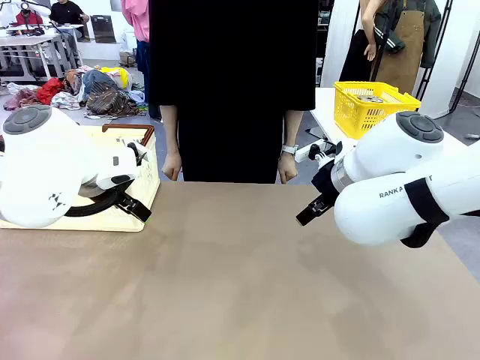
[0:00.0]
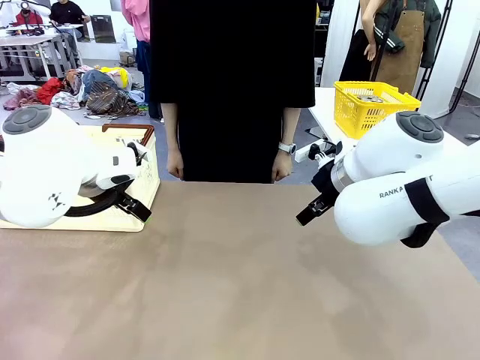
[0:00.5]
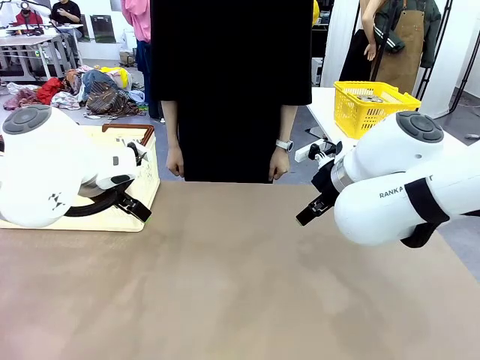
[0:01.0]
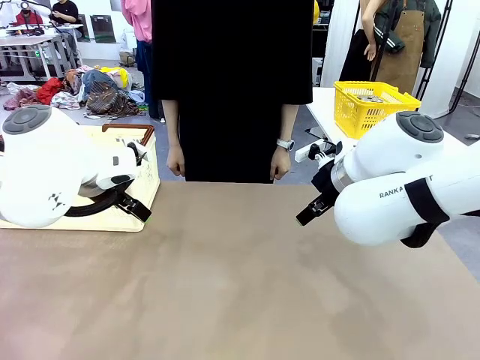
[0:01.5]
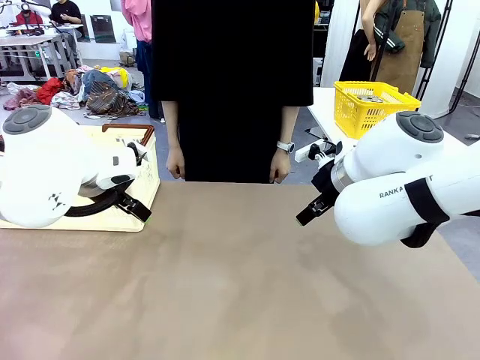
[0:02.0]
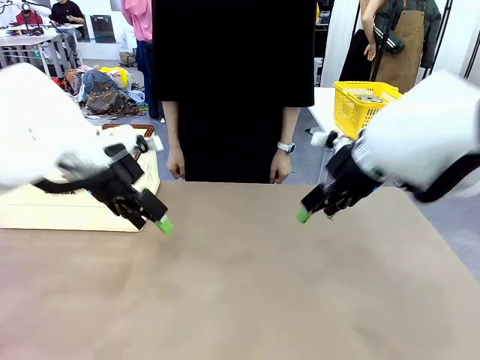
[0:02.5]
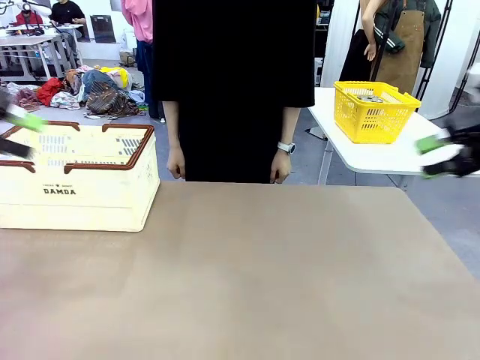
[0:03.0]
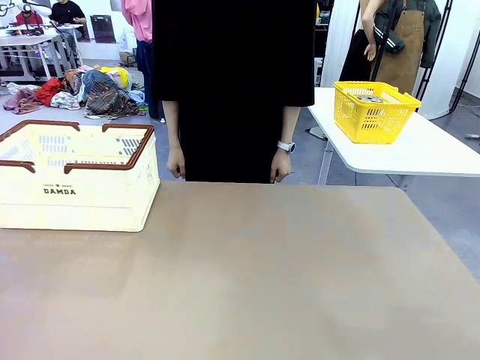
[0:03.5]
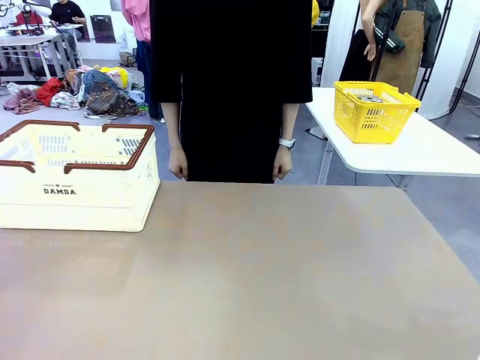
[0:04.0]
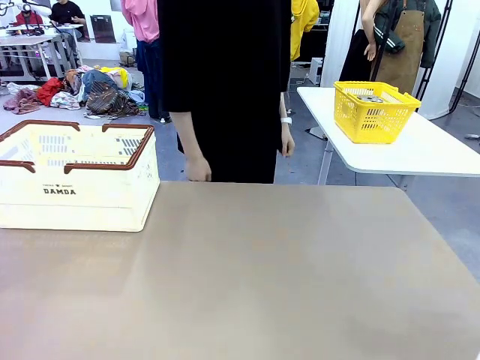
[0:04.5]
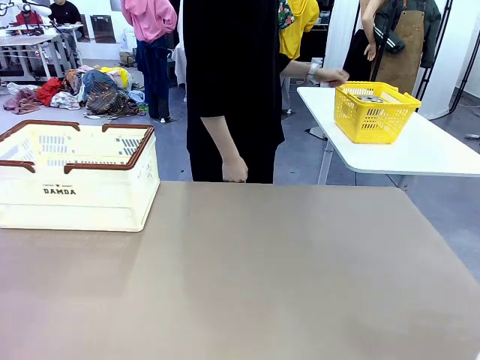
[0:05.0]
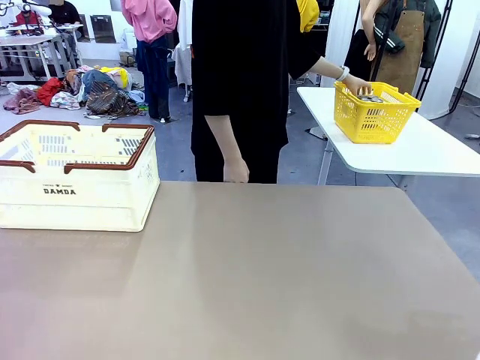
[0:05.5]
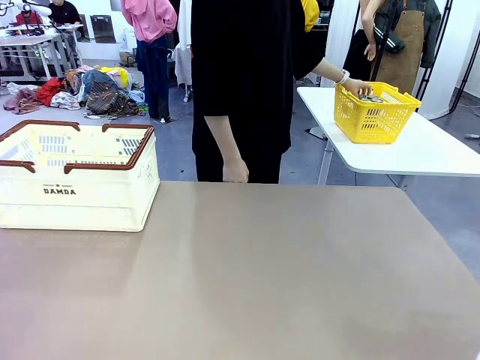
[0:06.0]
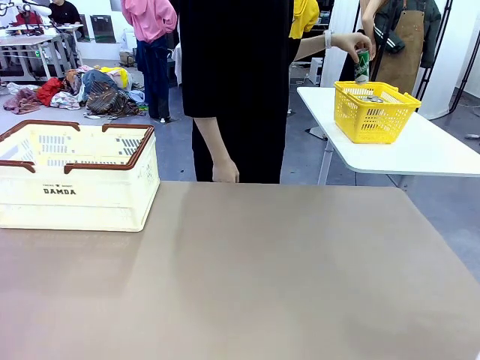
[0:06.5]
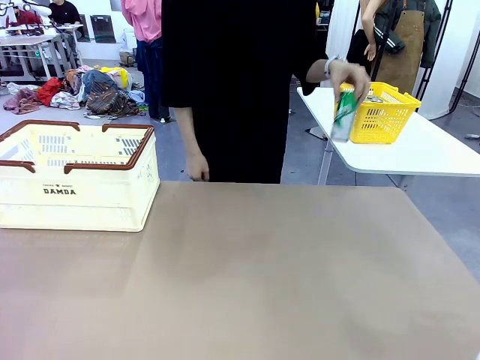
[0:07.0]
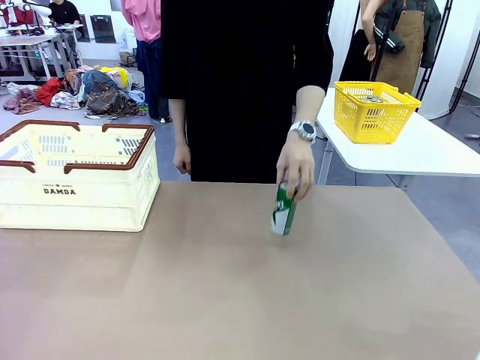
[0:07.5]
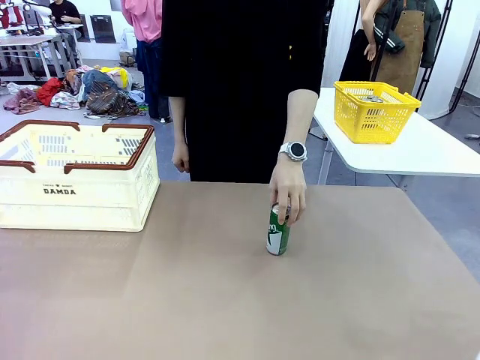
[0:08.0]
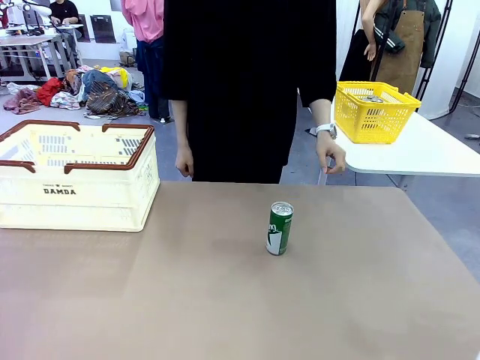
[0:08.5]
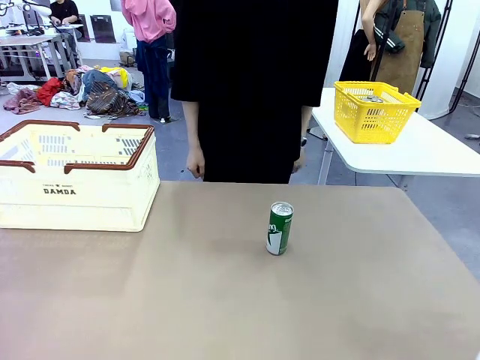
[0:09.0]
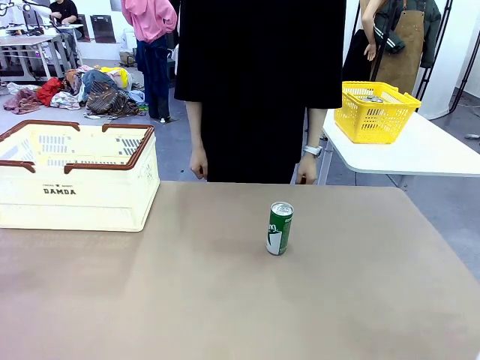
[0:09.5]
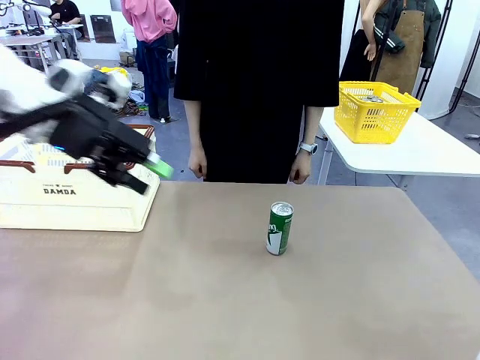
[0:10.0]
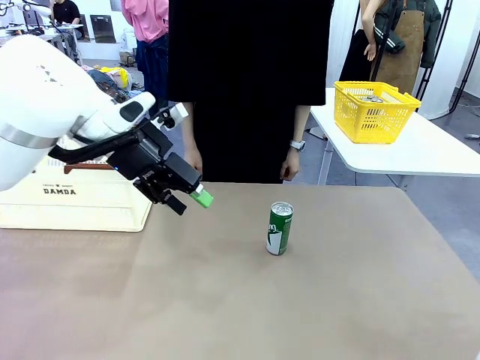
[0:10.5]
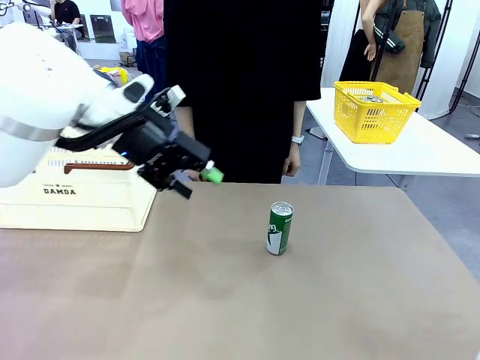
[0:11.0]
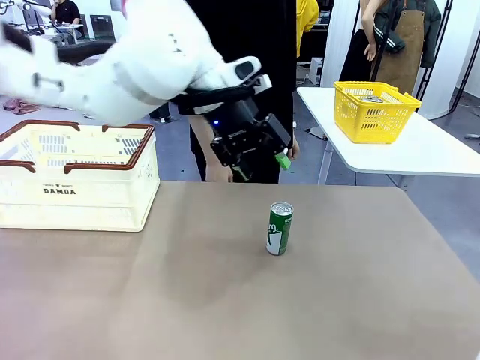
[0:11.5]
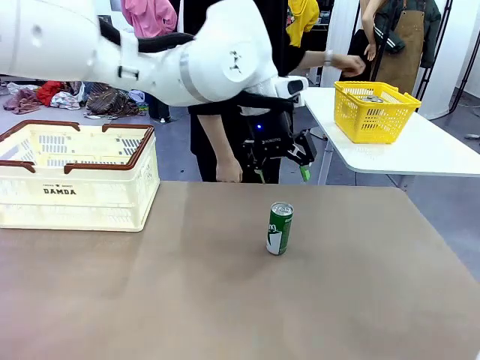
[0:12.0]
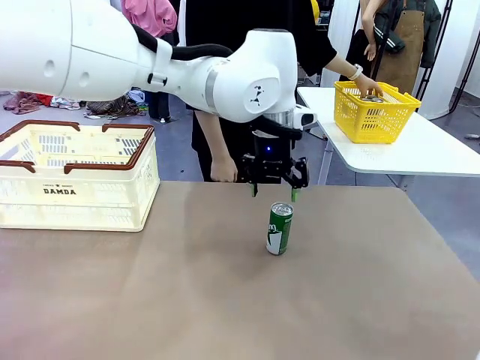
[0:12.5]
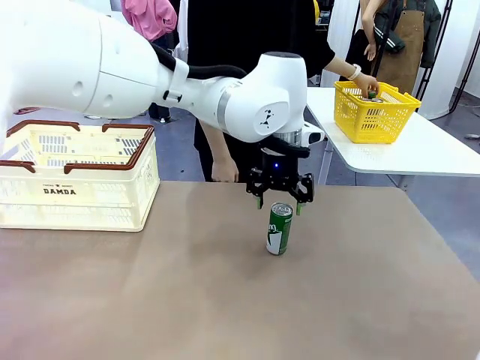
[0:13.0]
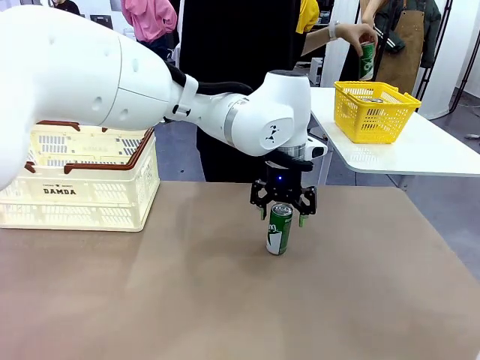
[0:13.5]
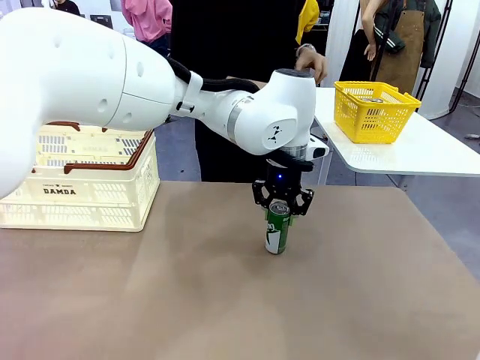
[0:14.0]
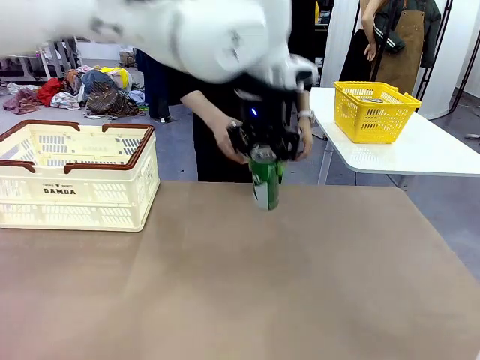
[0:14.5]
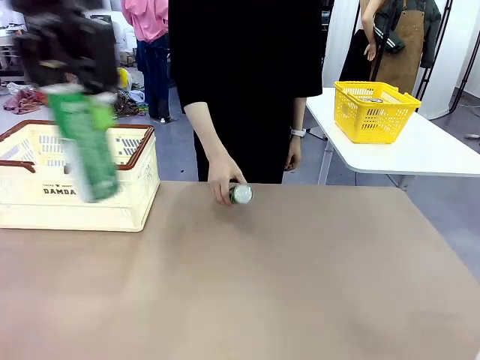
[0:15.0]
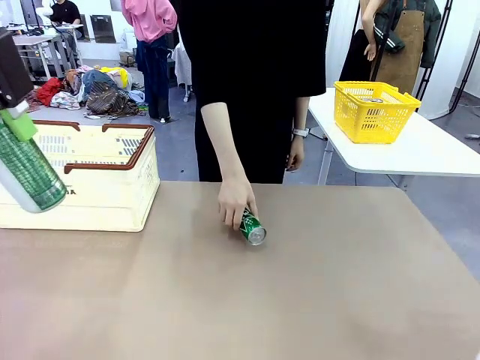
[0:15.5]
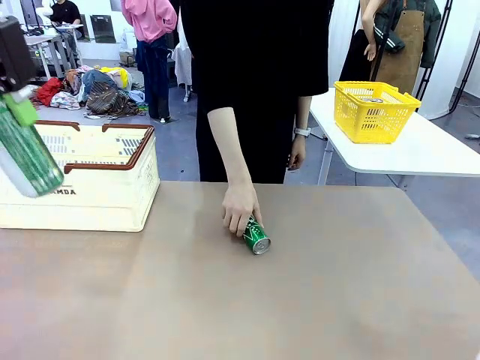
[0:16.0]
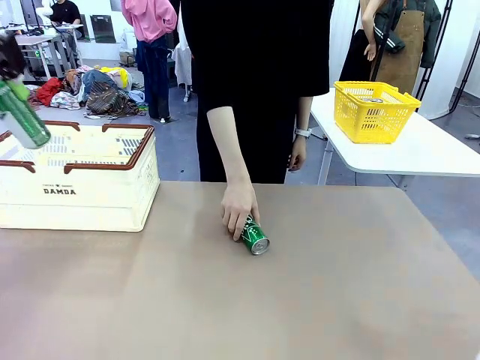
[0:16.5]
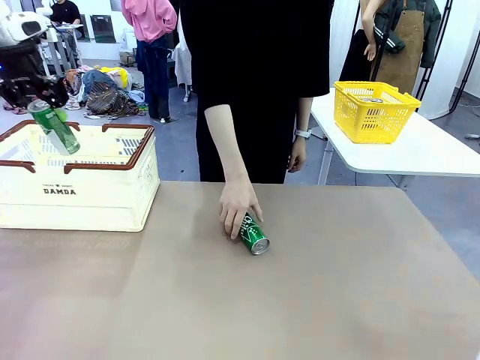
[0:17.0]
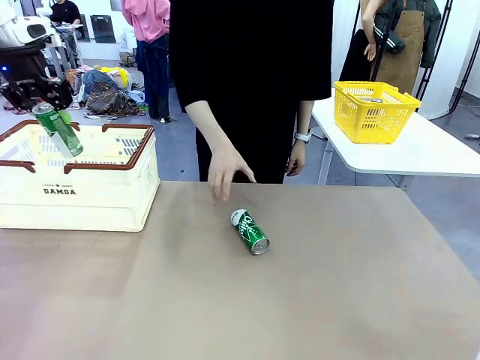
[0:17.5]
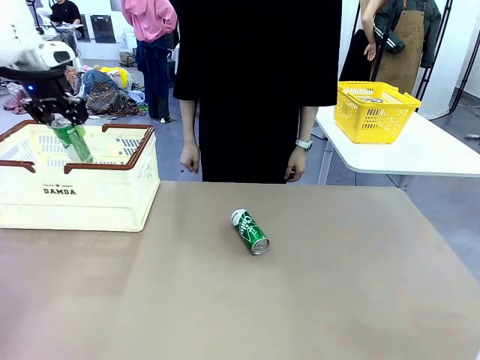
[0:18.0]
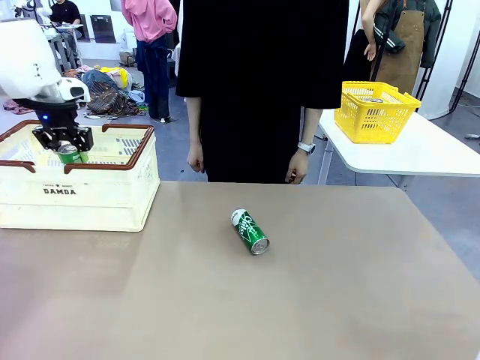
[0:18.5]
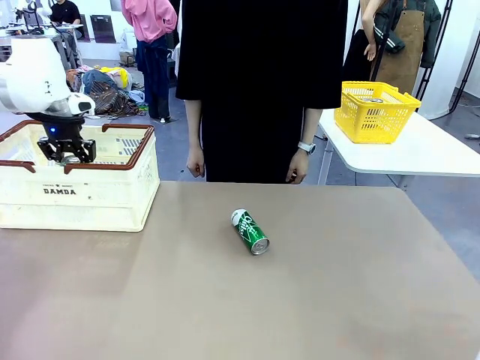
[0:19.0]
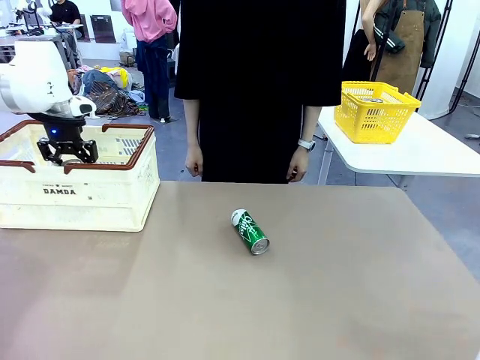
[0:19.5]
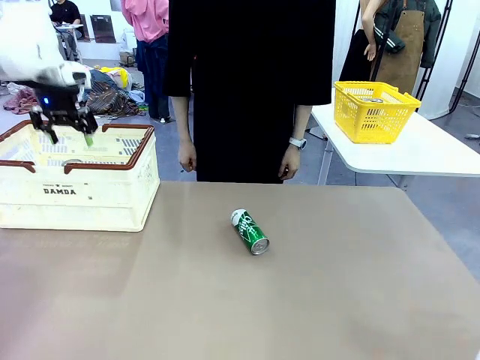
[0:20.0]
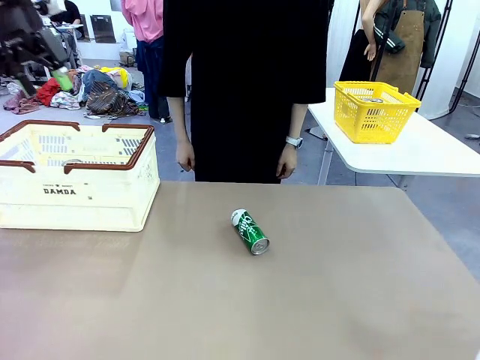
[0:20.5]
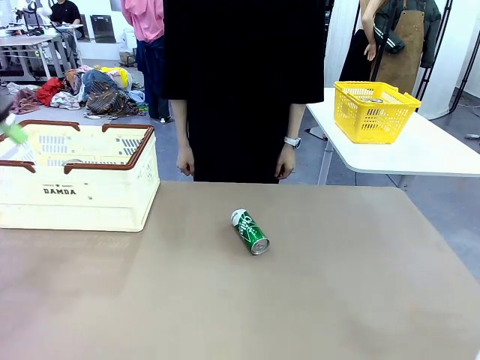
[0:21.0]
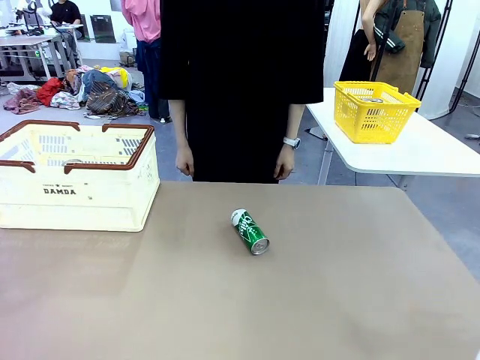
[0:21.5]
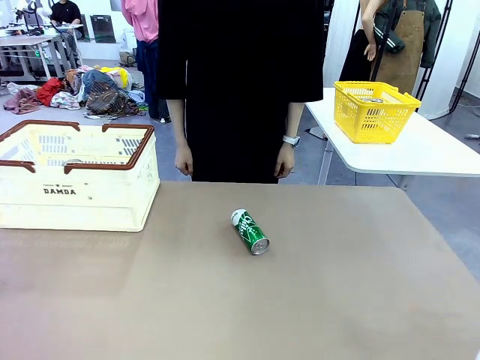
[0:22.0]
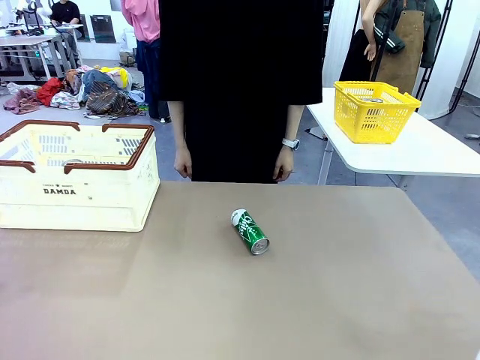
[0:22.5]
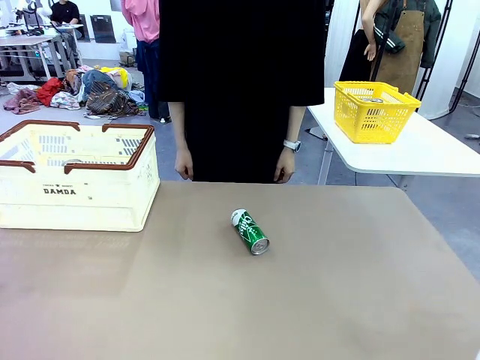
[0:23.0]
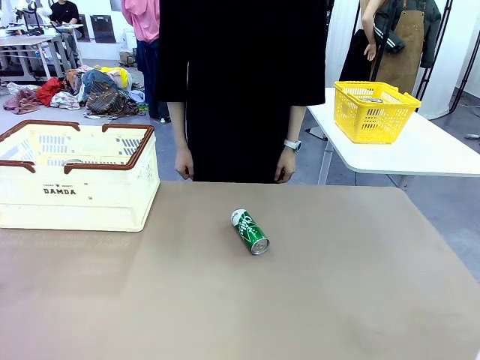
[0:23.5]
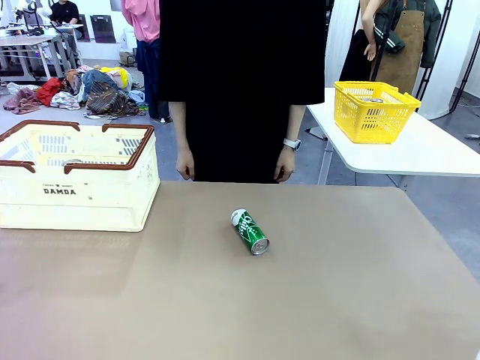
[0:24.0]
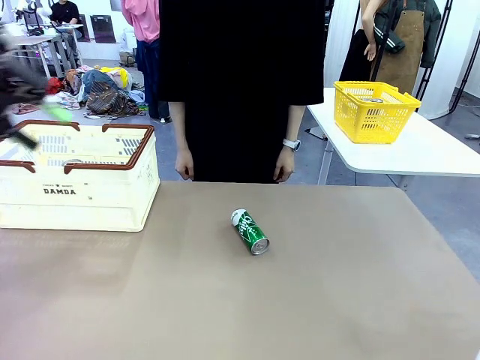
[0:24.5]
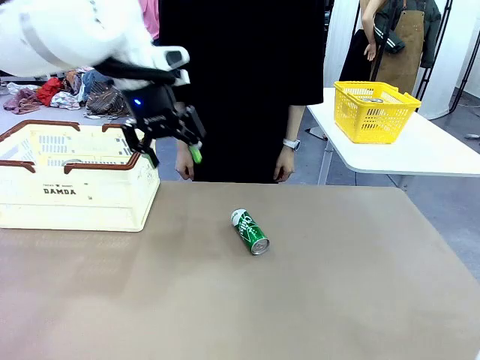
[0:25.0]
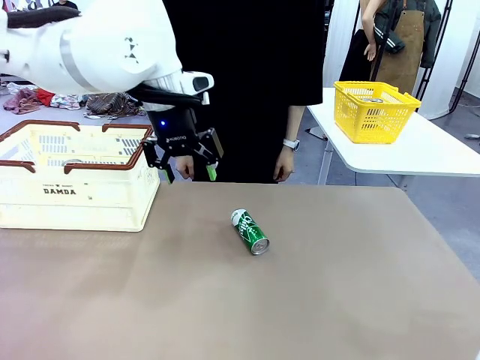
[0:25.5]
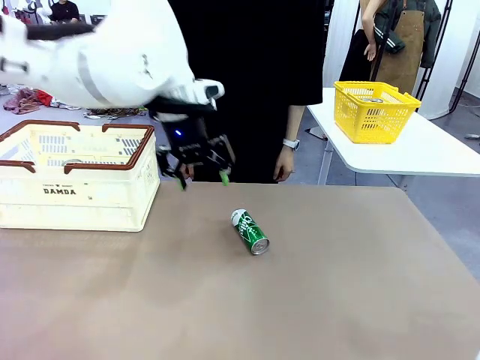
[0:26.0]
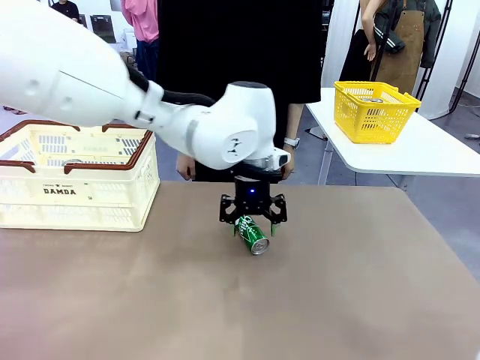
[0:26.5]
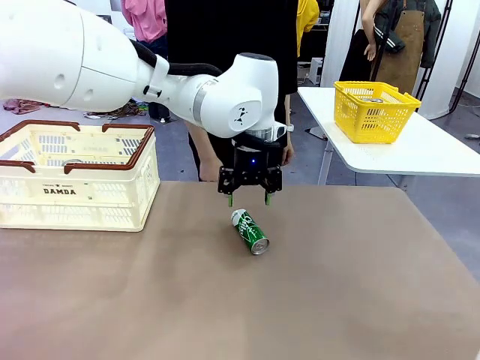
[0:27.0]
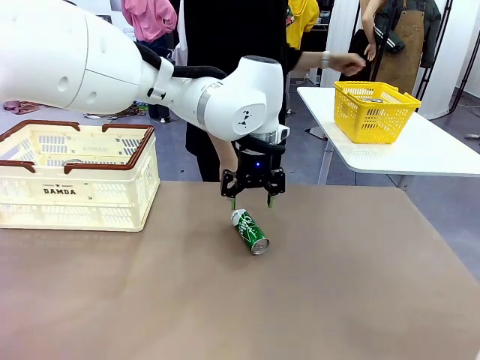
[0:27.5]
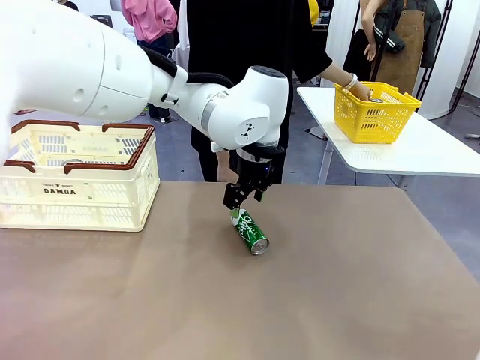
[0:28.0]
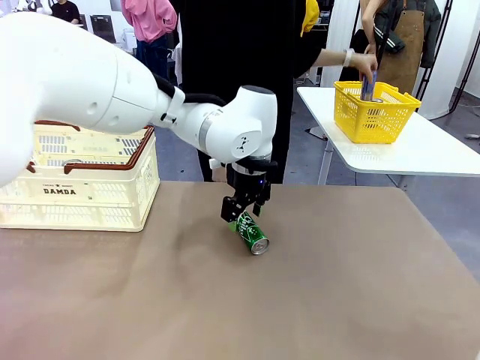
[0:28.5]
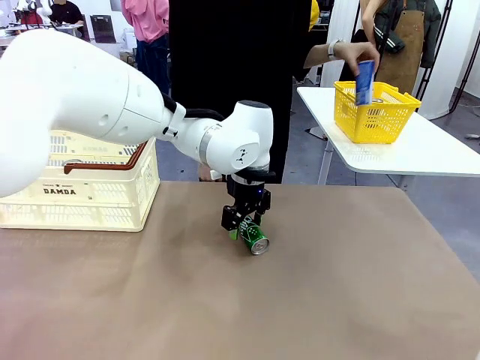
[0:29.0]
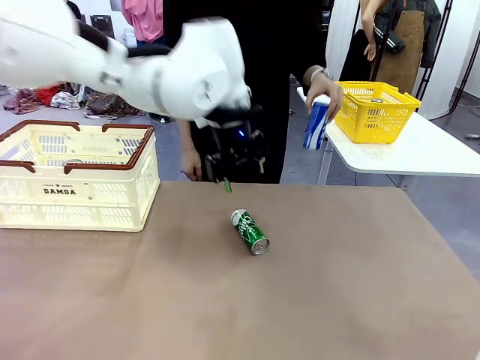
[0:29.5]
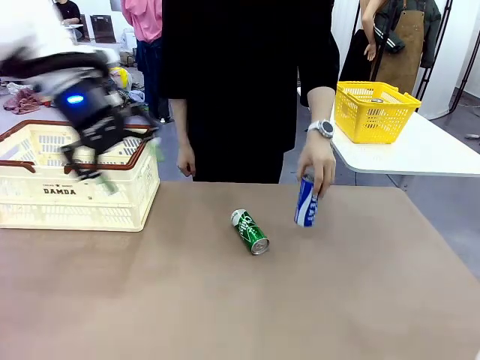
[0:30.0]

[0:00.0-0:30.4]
Task: Place the drinks into the Shopping basket.
Robot: Pick up one drink and place it into the Shopping basket.
